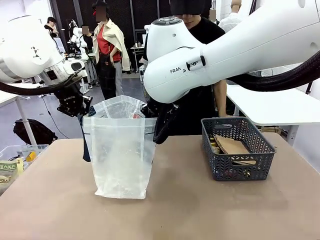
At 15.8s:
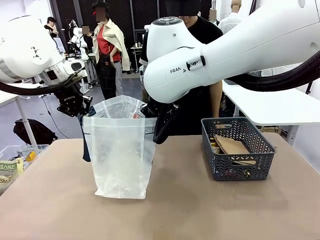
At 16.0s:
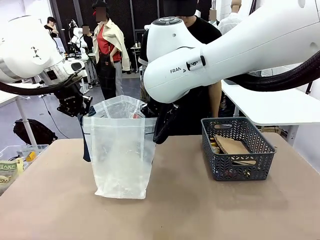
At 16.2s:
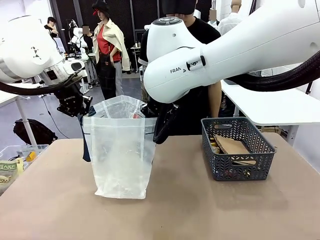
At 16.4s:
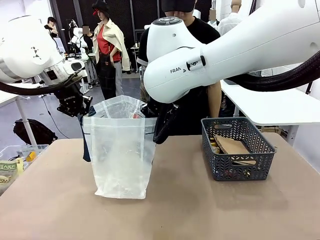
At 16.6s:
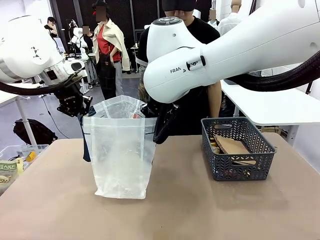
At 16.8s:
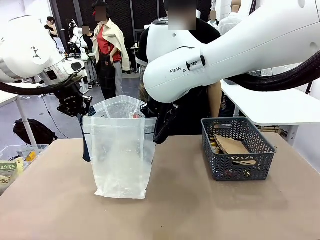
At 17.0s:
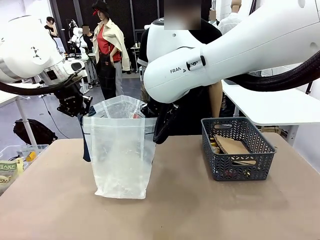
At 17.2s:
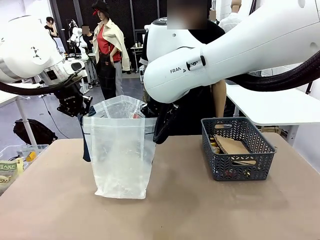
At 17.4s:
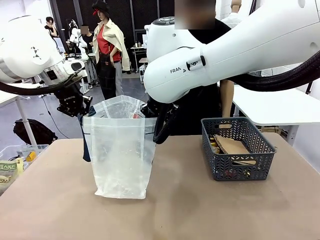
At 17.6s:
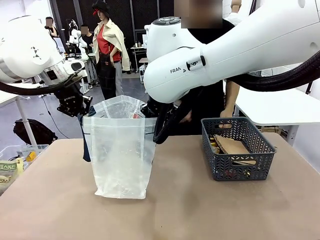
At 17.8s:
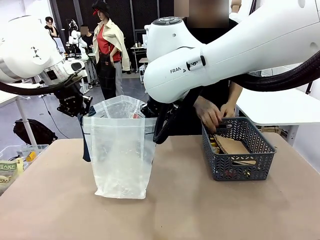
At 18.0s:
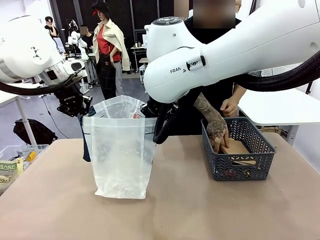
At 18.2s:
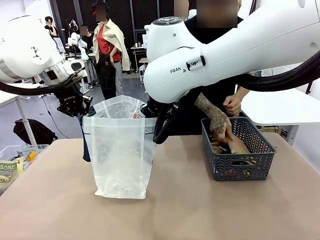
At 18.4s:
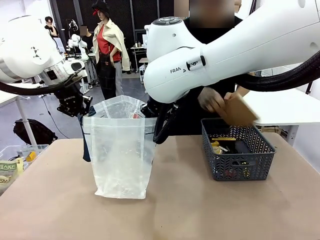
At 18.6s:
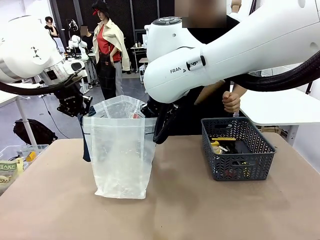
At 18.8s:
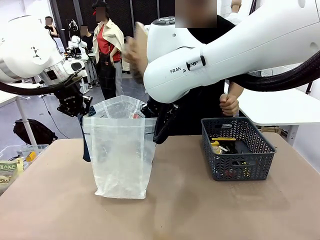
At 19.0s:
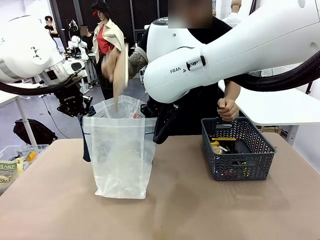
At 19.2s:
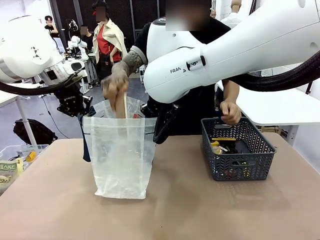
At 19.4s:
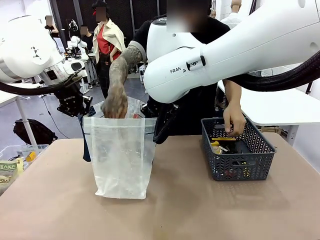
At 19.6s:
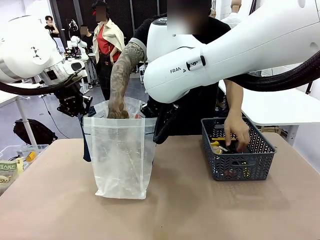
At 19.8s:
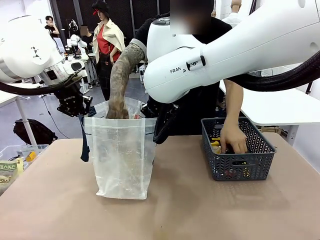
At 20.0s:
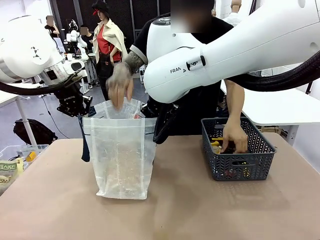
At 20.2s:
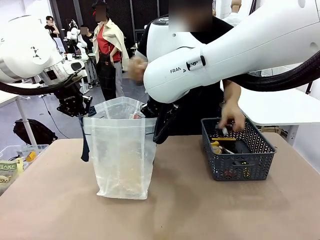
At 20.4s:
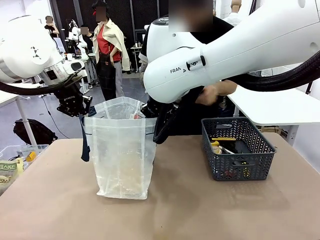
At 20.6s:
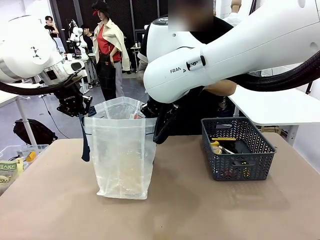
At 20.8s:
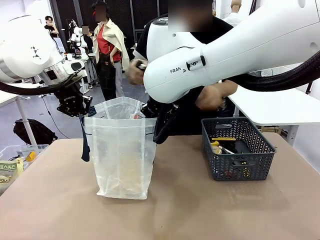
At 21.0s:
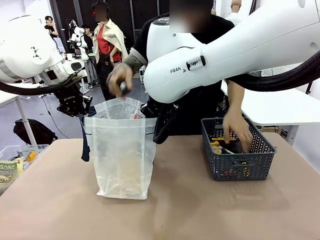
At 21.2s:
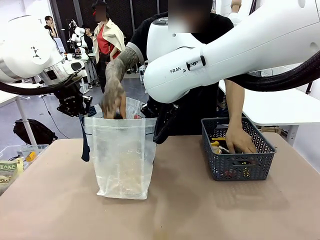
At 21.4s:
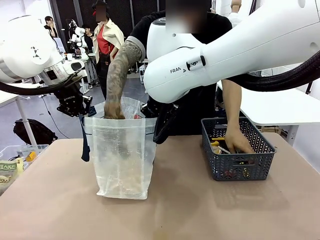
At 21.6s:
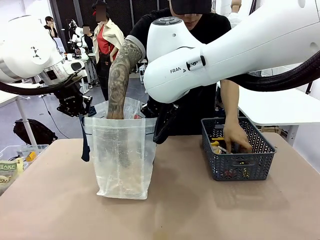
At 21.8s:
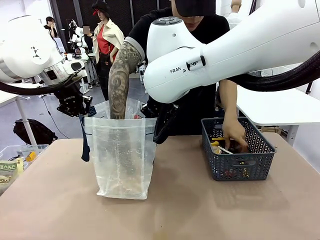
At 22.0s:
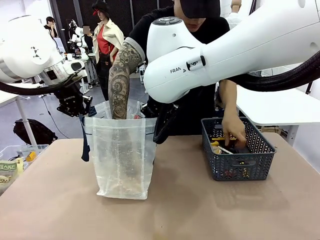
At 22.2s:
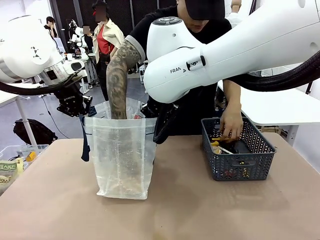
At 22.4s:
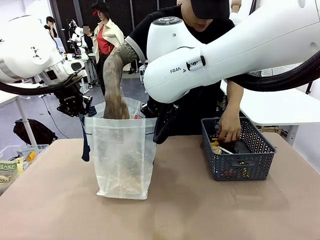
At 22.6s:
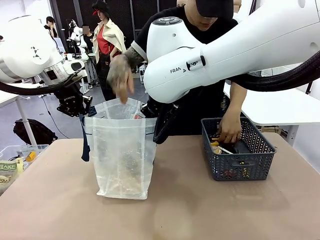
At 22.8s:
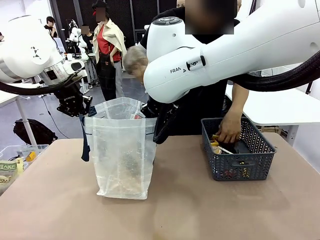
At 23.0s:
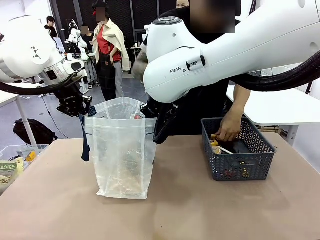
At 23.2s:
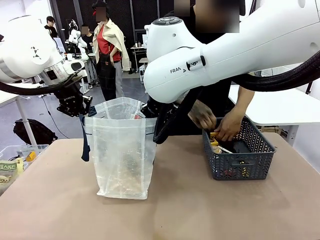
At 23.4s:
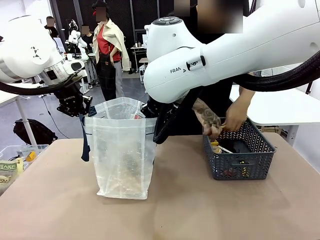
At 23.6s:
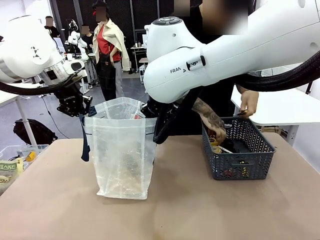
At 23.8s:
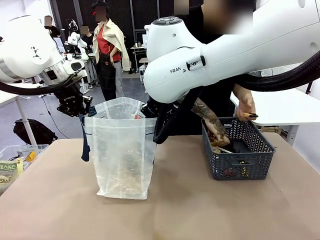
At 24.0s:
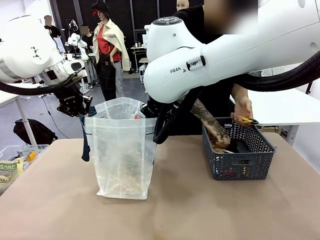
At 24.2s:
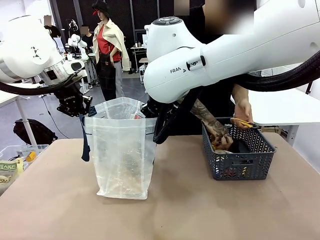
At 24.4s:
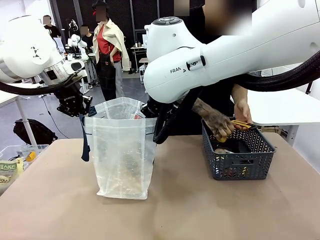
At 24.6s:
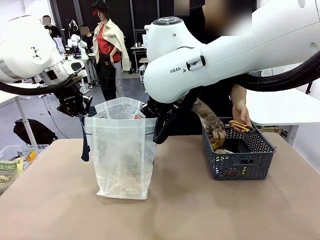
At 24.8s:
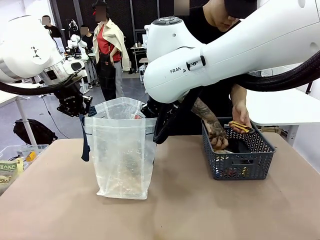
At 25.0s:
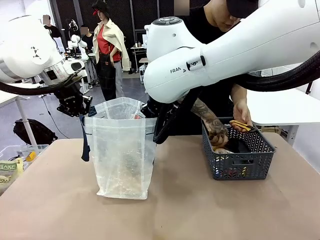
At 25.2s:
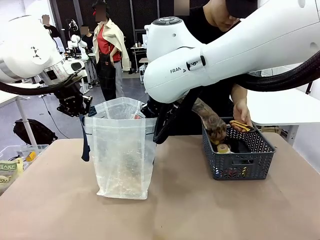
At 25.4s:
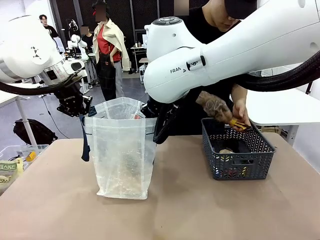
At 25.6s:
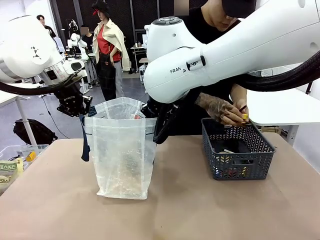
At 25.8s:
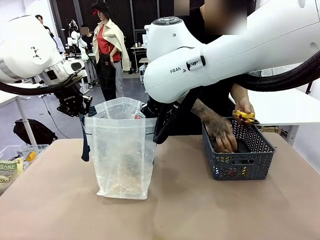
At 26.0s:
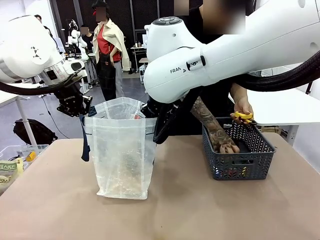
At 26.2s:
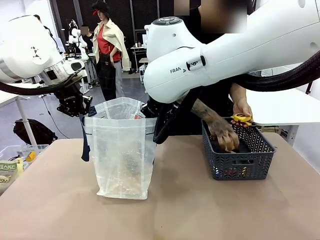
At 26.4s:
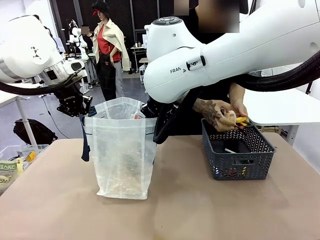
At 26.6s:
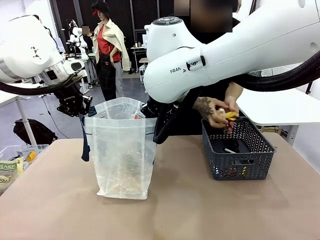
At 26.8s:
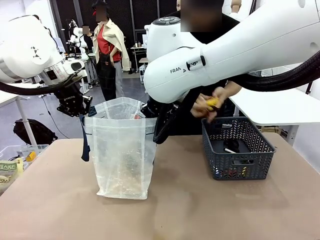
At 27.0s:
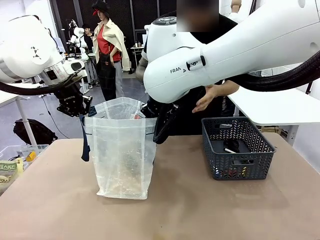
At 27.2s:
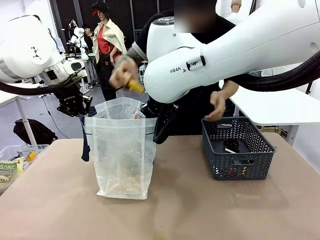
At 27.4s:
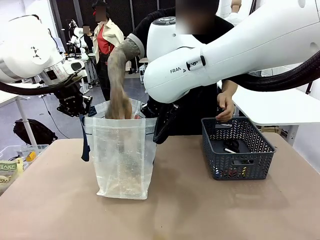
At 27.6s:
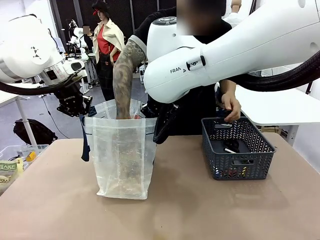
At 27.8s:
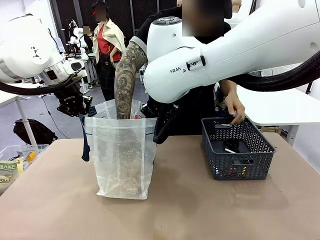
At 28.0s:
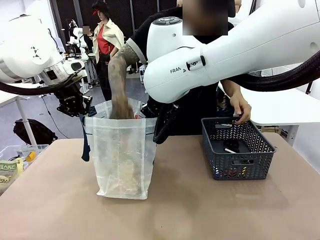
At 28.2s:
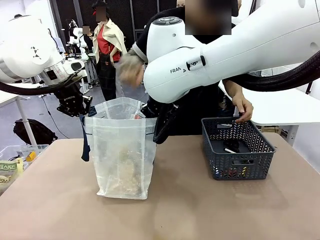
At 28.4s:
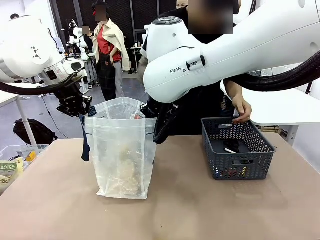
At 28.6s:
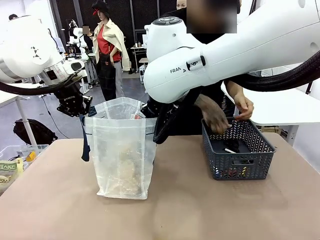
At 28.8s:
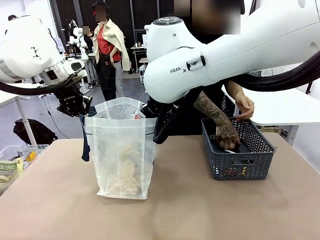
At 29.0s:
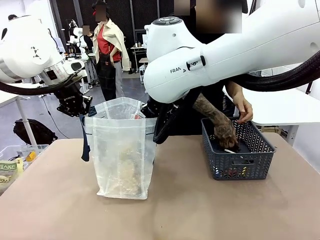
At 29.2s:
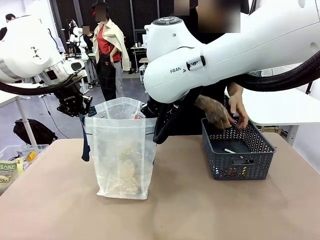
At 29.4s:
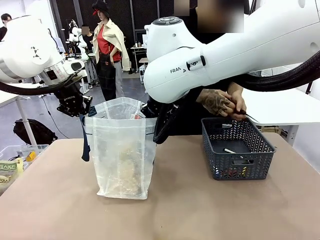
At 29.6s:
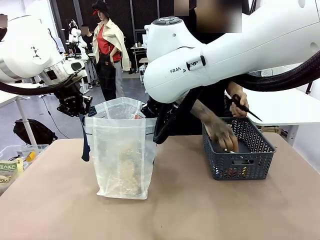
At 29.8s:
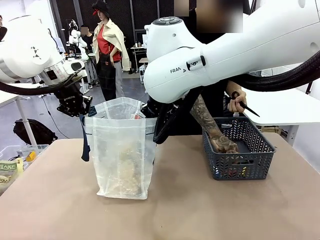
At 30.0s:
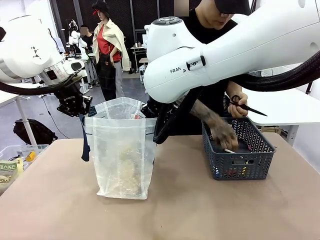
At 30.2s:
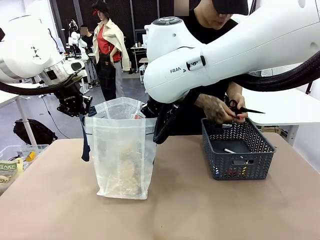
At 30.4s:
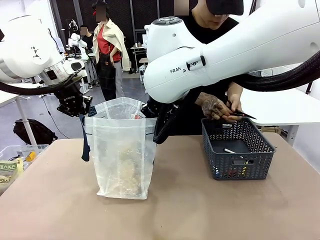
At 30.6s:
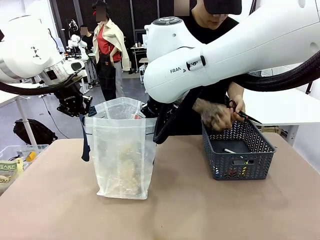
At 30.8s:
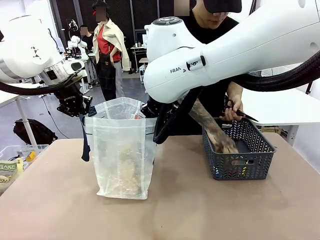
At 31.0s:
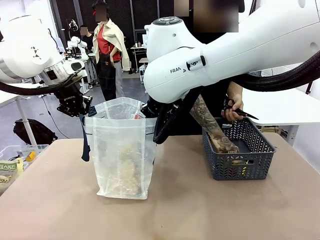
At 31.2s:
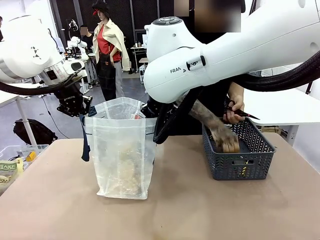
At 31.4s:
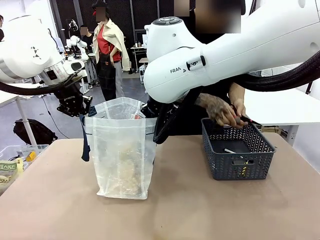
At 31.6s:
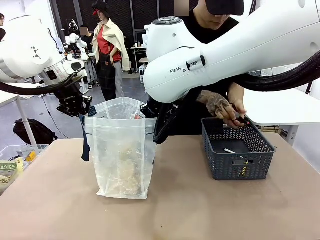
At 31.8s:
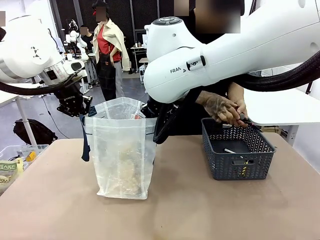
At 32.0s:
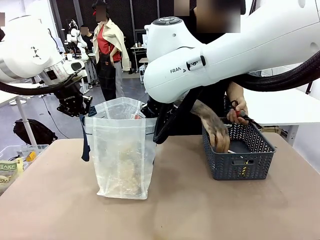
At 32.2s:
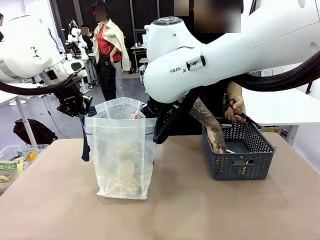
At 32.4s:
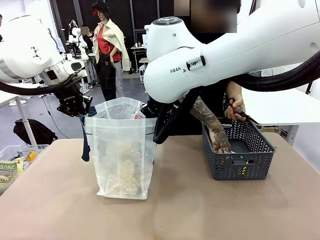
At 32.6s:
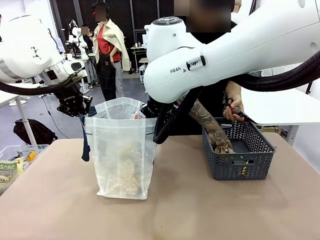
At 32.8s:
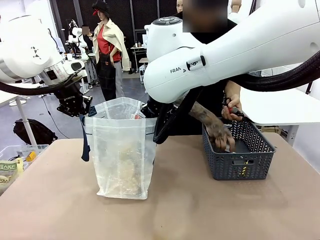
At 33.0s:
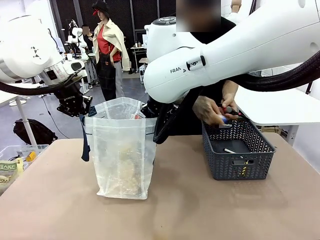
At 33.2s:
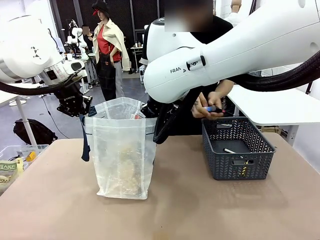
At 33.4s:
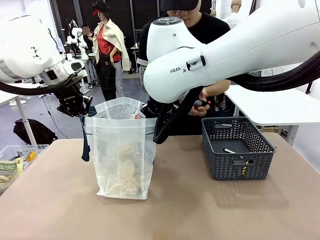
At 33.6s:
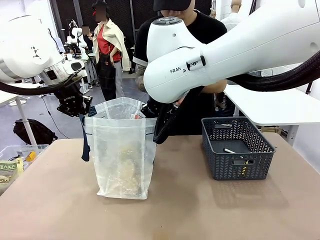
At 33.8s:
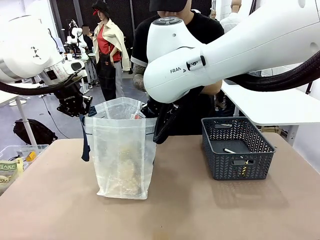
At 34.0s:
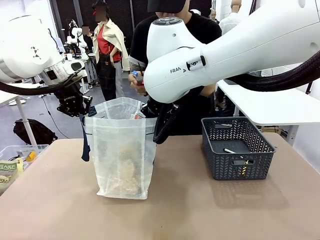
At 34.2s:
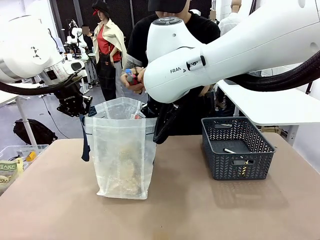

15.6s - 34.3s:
Task: Transfer purchased items from the store into the shopping bag.
Robot: Move the Reusable shopping bag to the right side of the table.
Person: Pick up the basket with the items out and place it on the right side of the human table.
